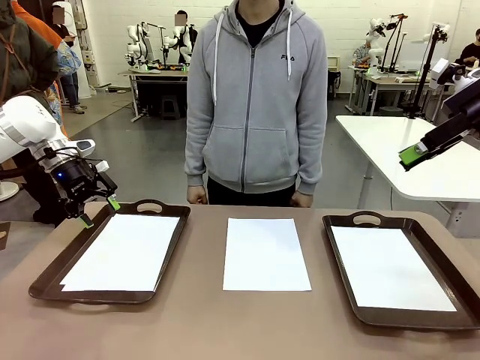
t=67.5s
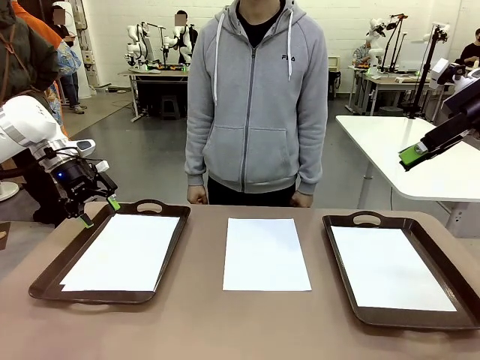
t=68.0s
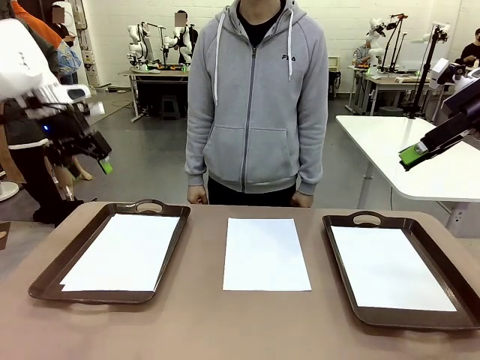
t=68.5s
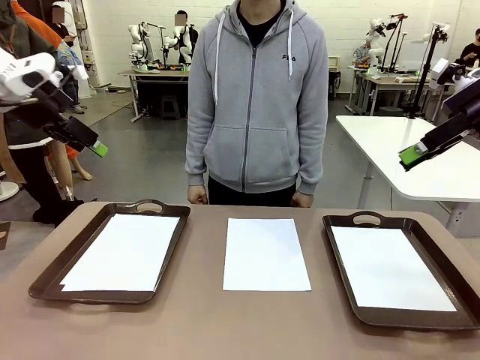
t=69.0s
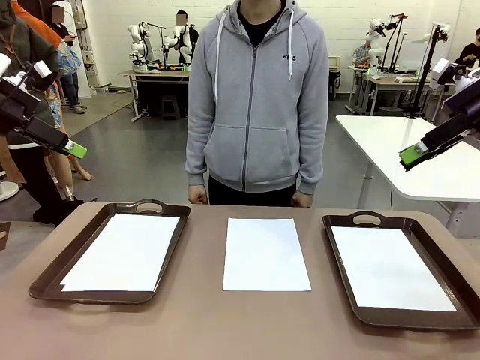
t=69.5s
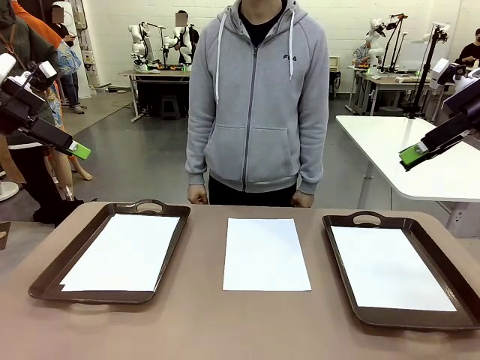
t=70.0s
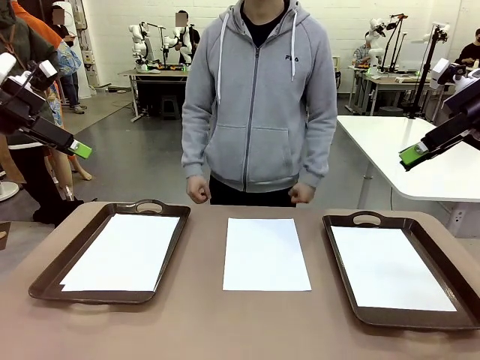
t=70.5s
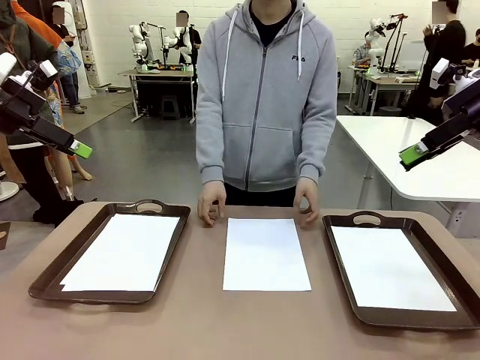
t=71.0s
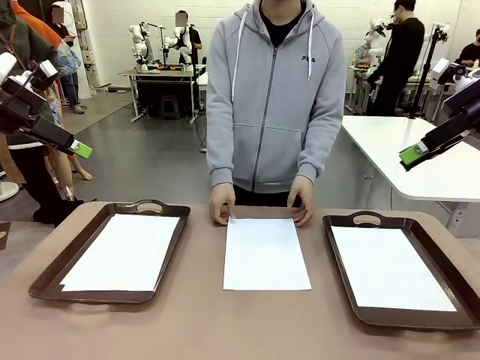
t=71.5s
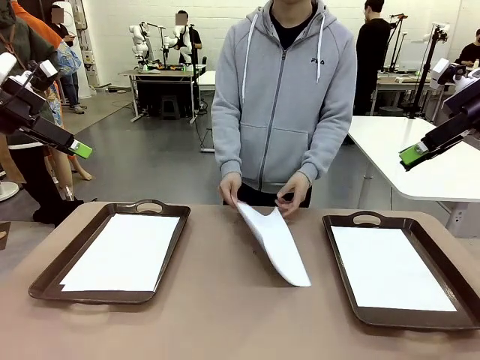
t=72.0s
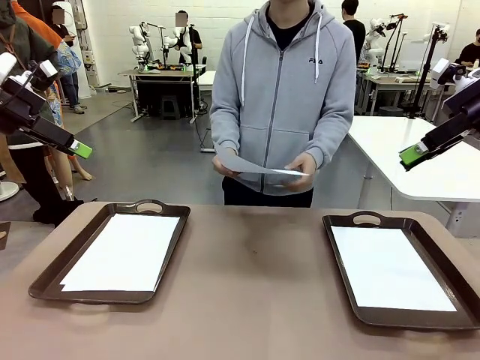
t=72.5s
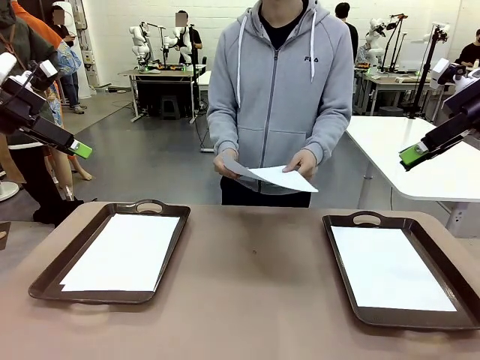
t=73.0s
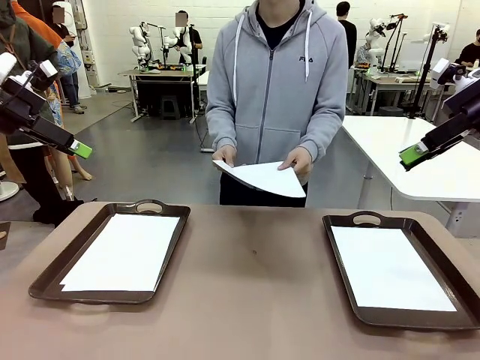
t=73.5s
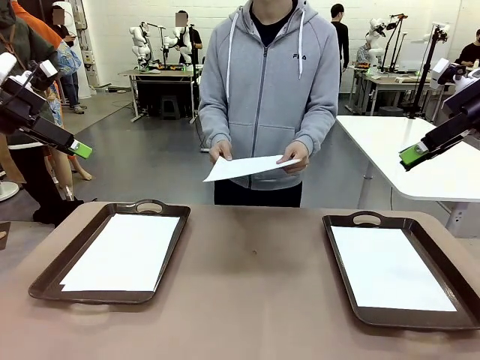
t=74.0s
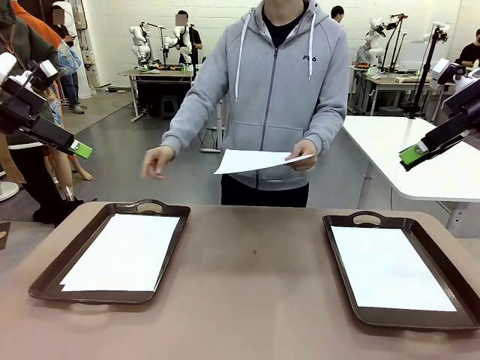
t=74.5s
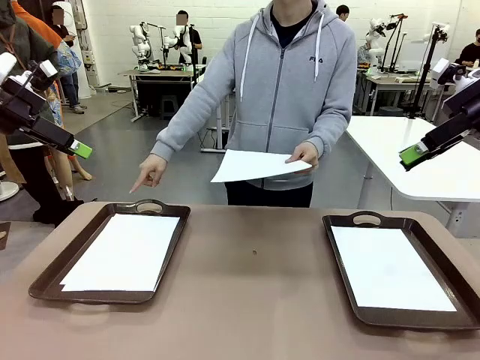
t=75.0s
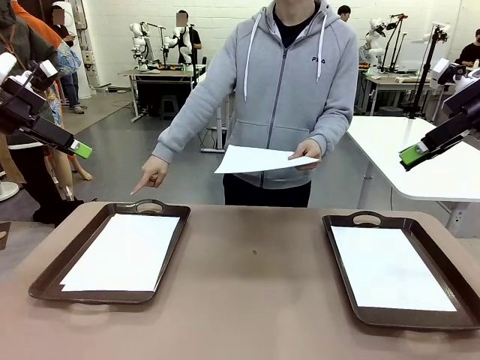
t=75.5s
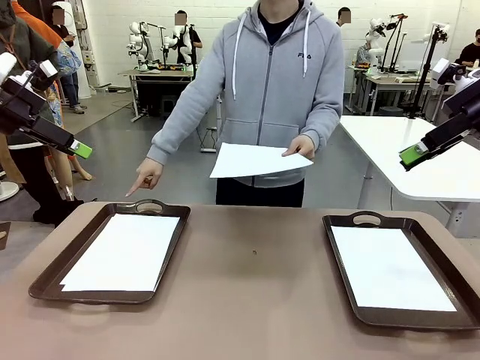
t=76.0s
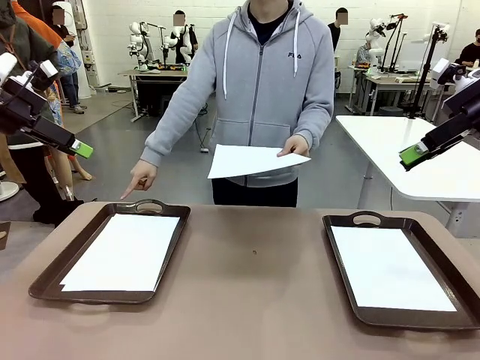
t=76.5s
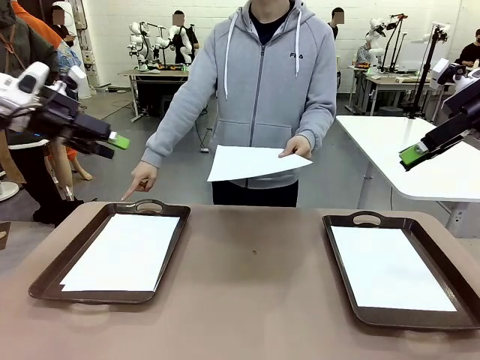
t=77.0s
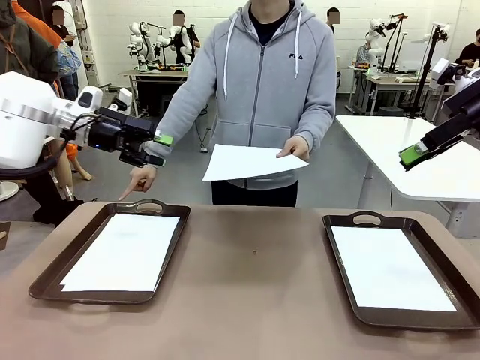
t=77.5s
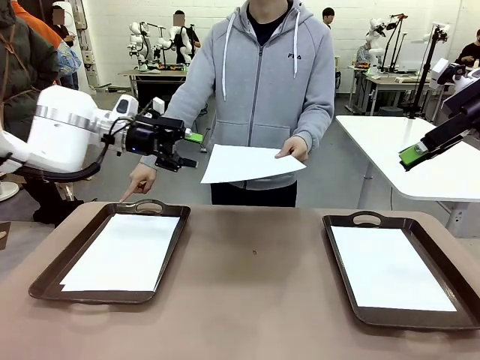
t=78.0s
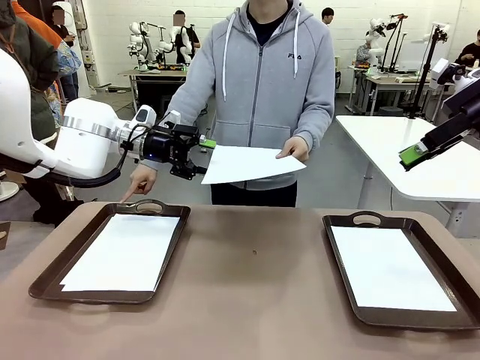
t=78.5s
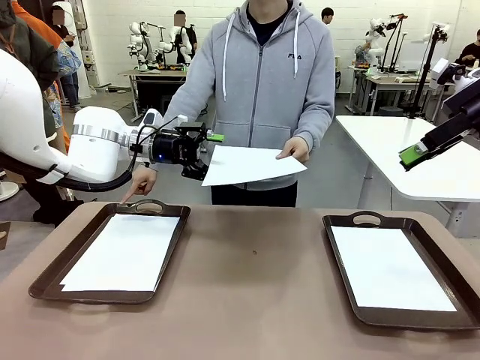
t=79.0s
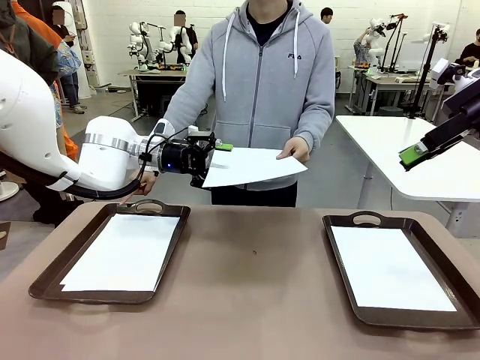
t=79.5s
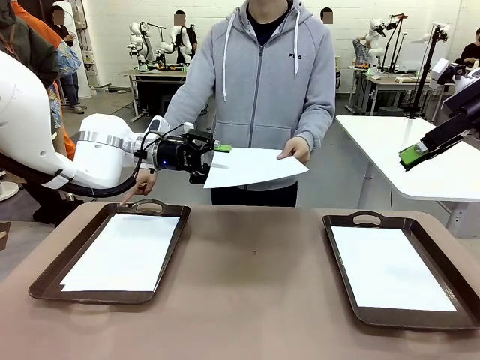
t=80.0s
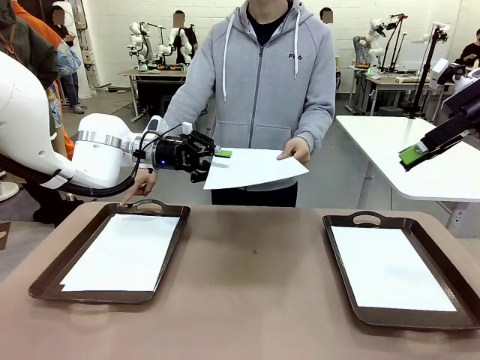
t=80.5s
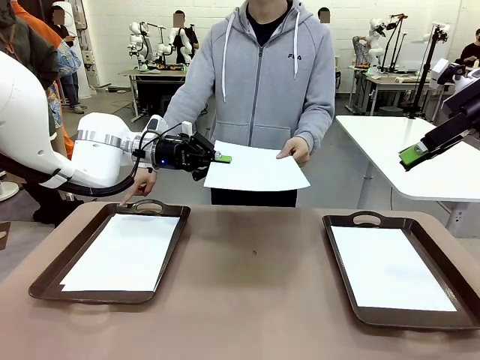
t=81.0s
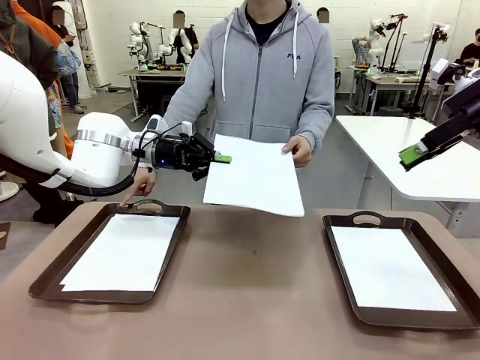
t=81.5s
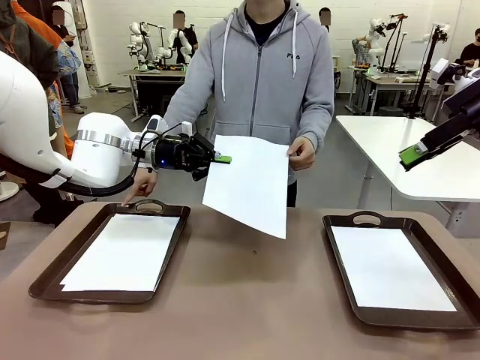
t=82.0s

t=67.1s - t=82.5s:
Task: Sort the A4 documents.
Robot: Receive the A4 Paper.
Person: Point the randomly selected tray with the other hand.

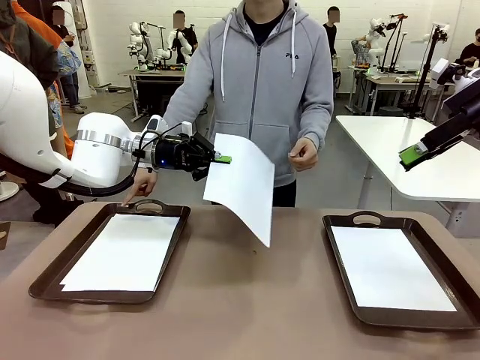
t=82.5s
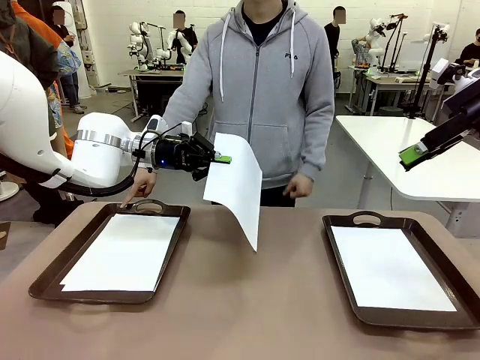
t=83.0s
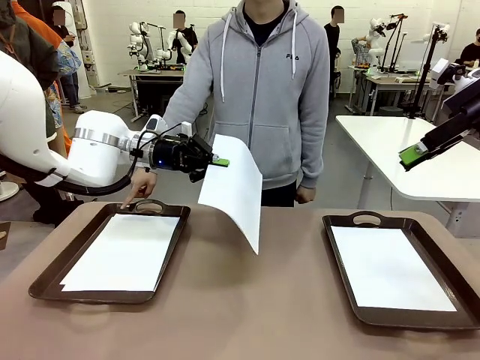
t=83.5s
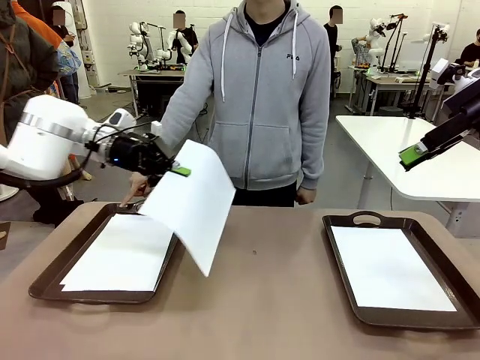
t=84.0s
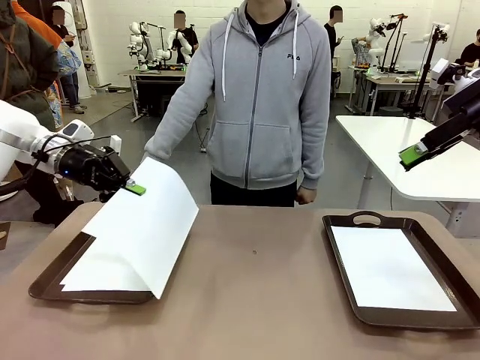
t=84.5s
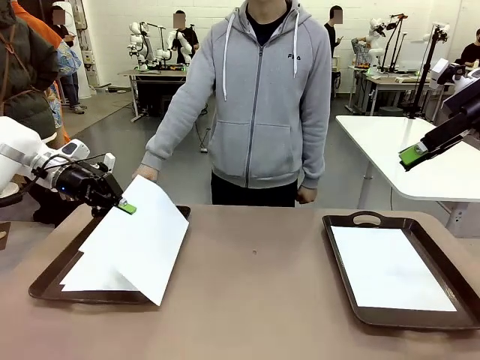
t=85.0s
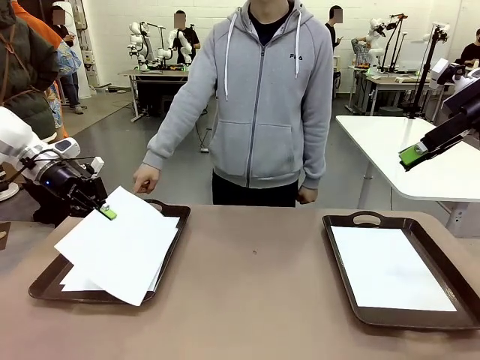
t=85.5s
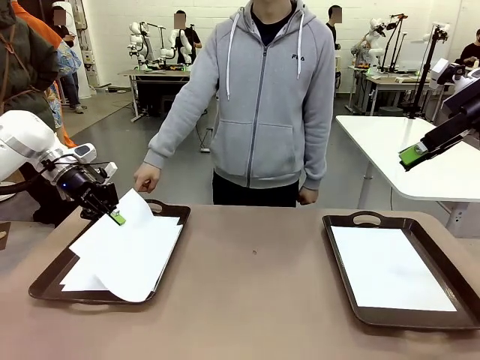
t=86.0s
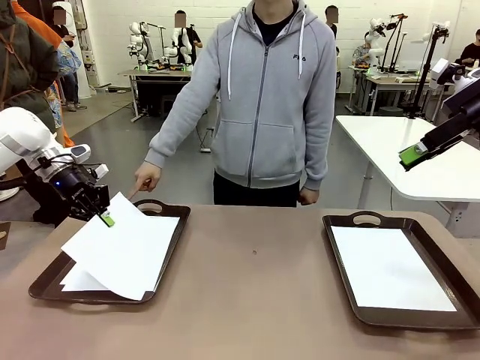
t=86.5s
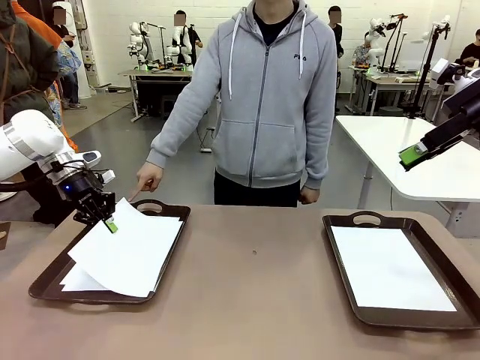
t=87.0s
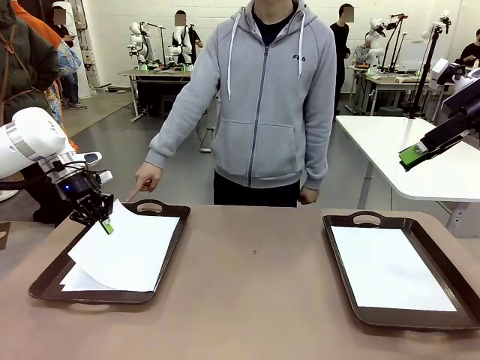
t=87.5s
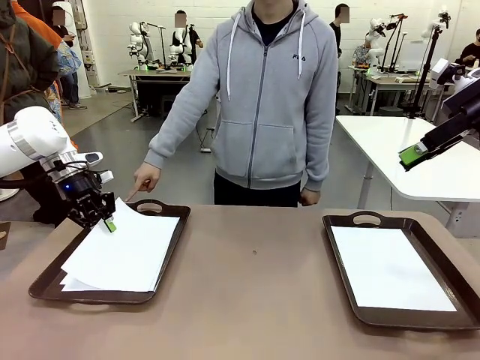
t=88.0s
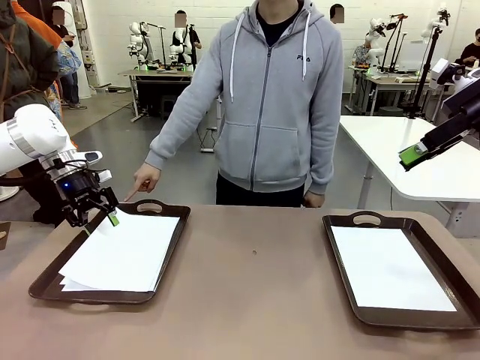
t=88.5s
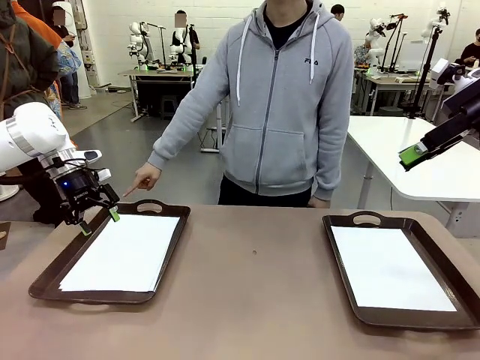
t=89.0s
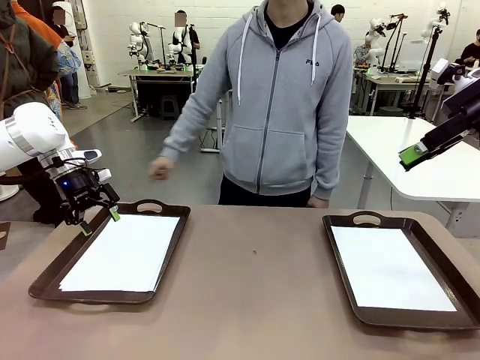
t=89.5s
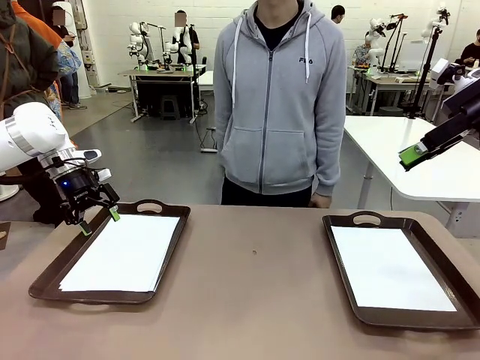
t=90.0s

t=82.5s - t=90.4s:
Robot: Place the A4 Paper in the designated Handle tray.

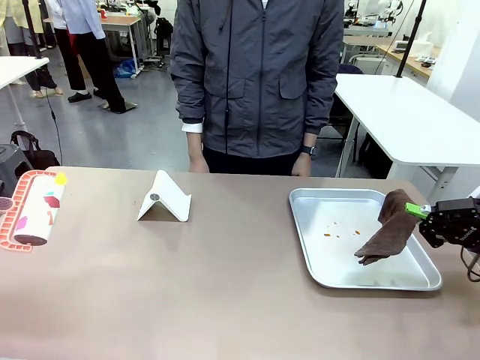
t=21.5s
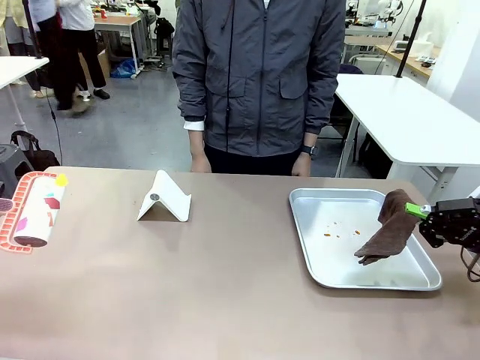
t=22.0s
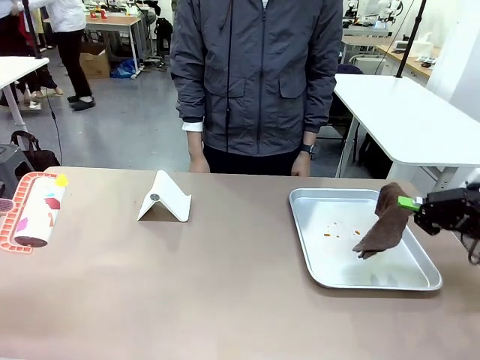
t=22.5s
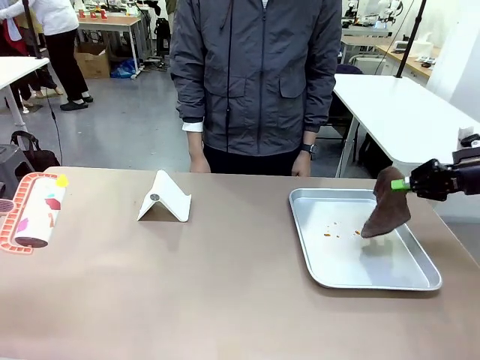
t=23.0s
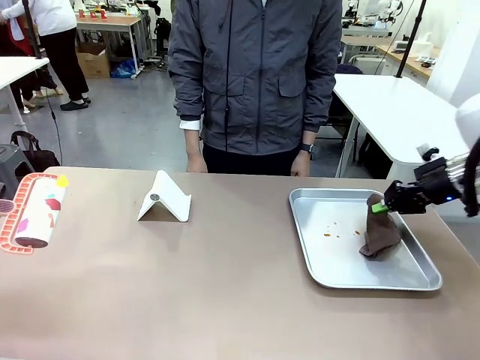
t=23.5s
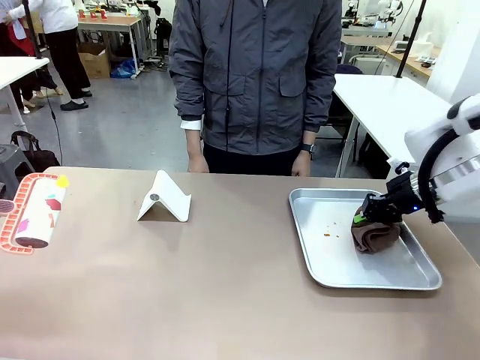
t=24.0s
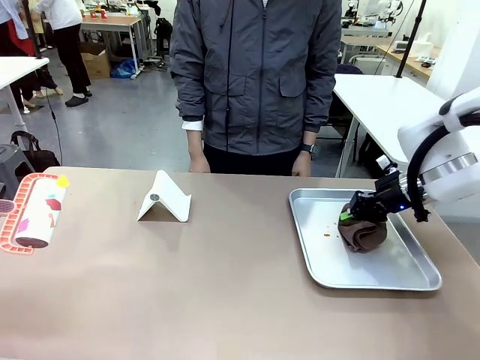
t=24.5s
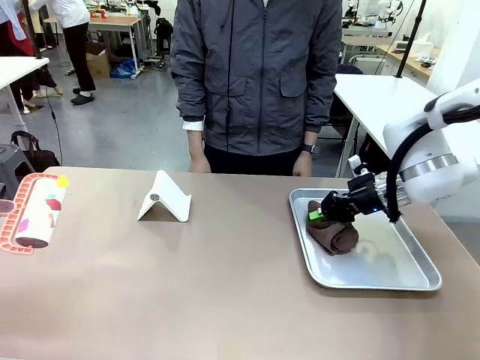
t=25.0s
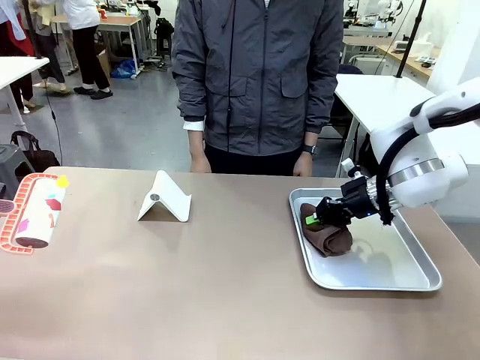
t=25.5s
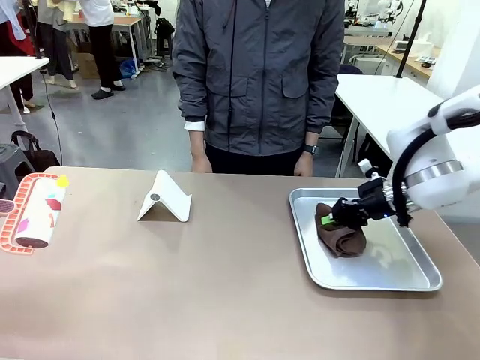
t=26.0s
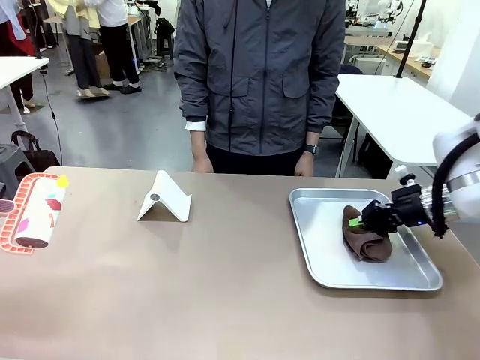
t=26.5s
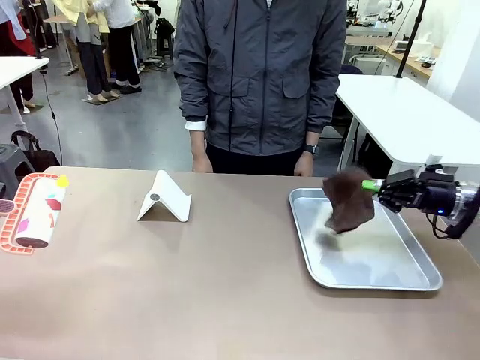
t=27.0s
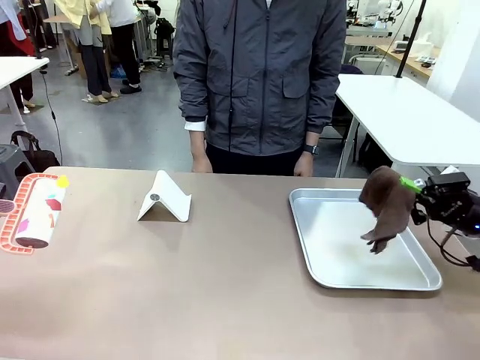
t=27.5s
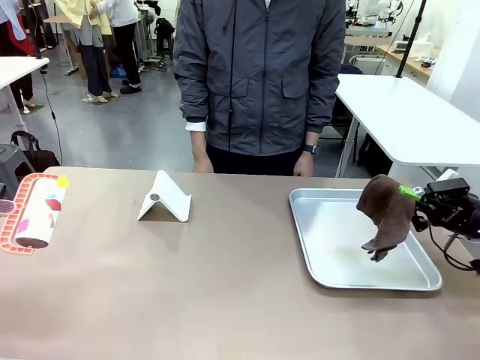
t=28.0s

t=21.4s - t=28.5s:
Task: Clean the surface of the table.
Robot: Clean the area not pointed to by the person.
